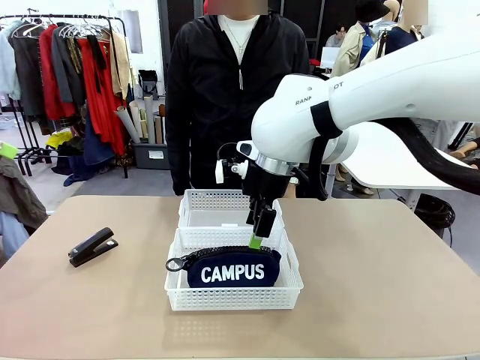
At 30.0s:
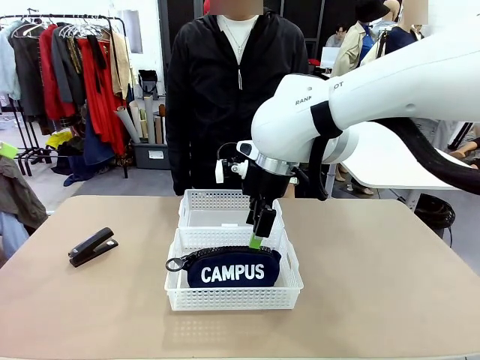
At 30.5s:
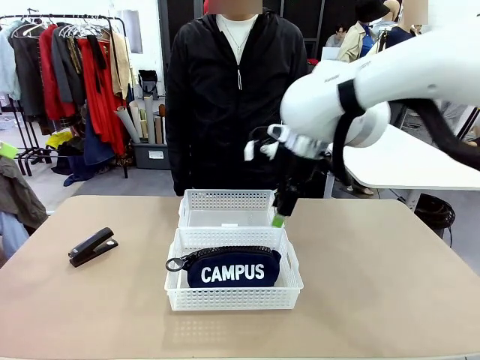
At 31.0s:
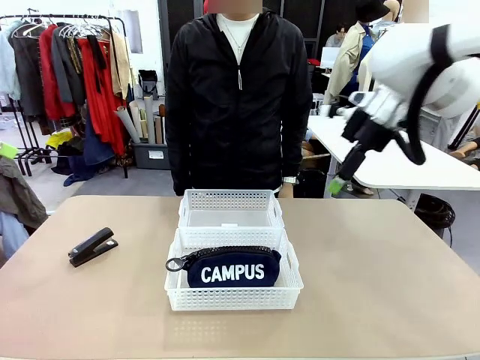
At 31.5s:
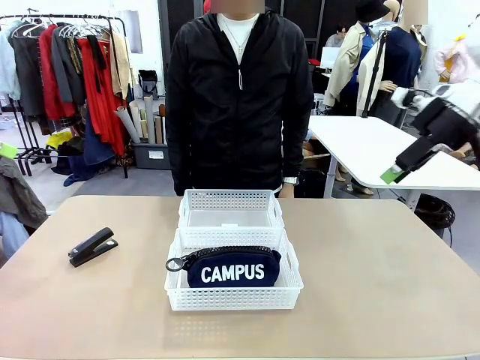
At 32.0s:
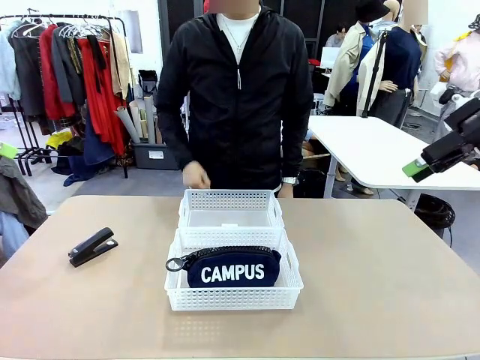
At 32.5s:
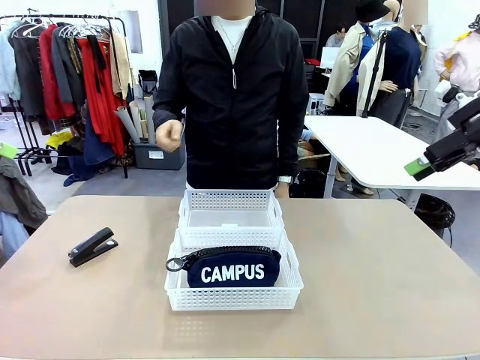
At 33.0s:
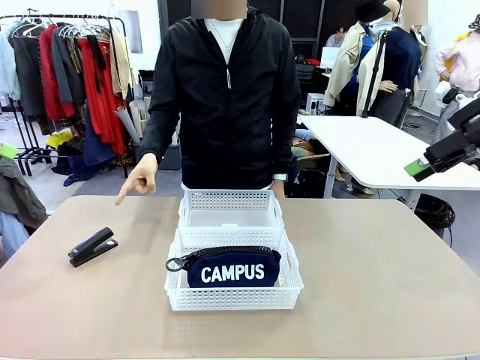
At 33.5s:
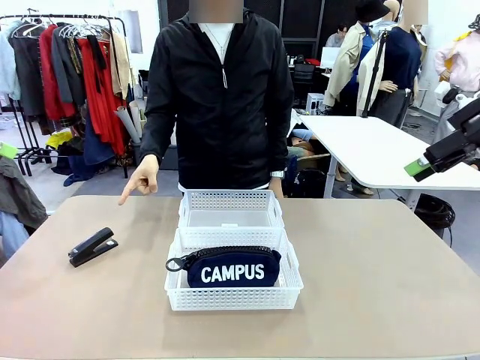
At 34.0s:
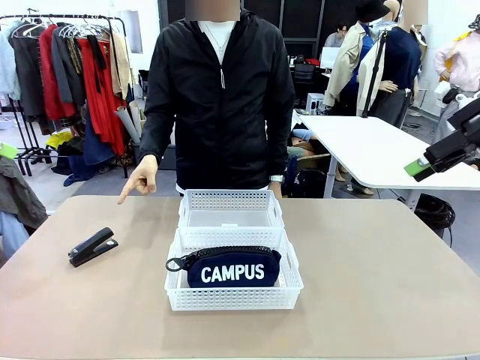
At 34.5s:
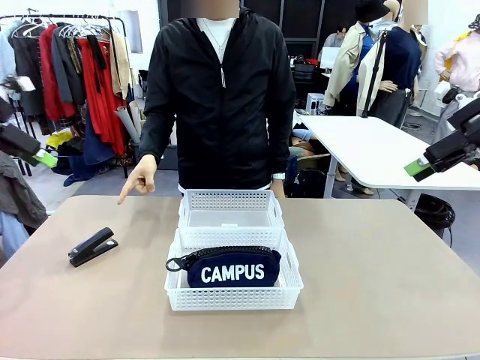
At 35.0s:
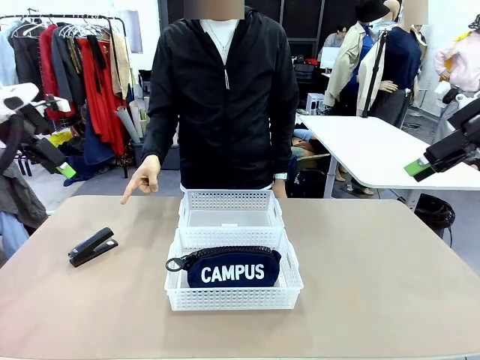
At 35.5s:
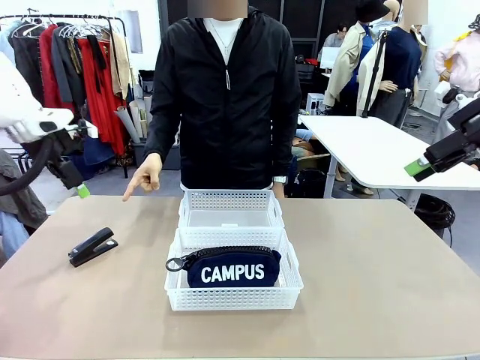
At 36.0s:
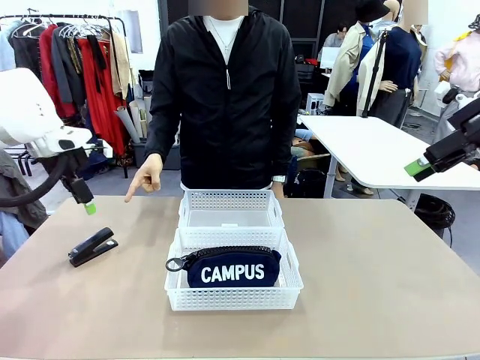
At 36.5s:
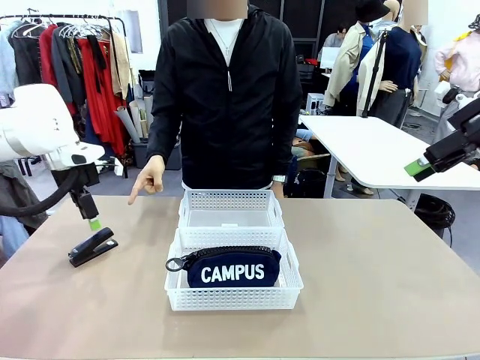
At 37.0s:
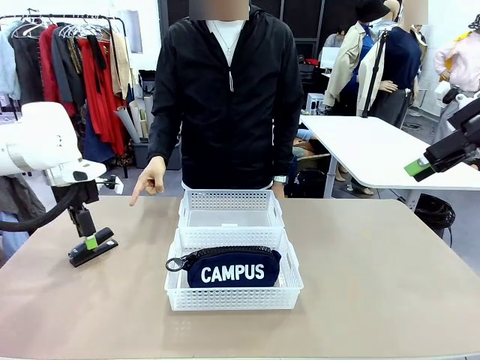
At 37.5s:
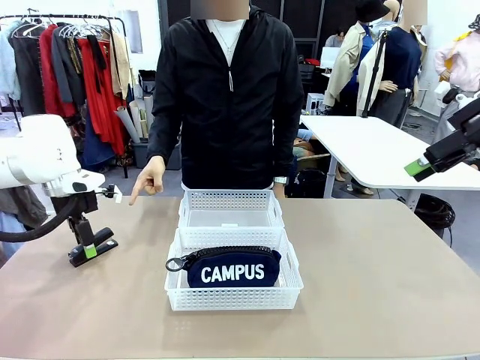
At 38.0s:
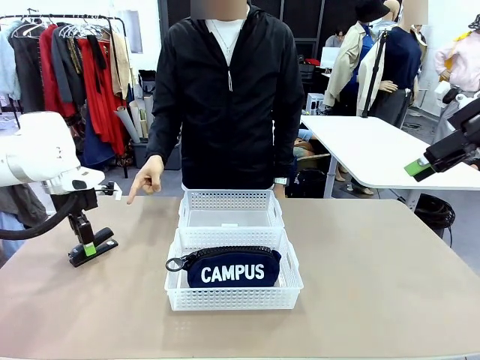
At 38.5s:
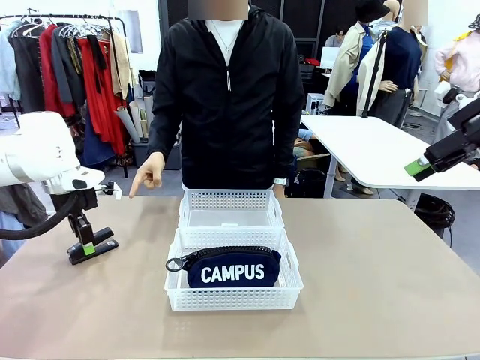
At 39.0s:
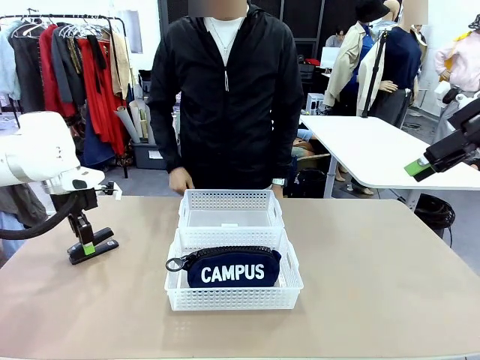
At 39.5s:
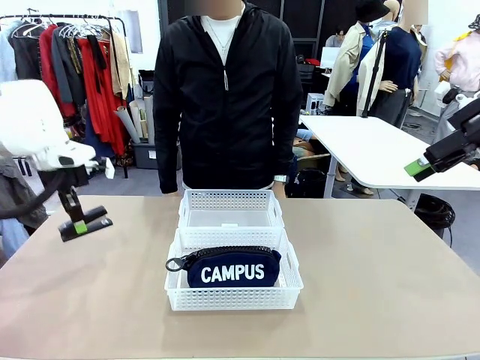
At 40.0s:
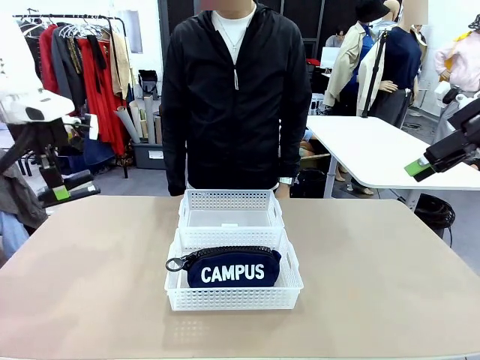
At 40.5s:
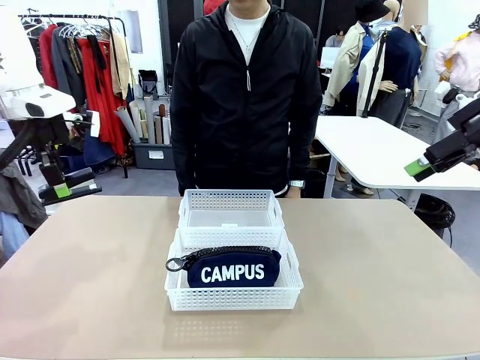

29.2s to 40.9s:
Task: Distribute items into two baskets.
Robot: Pick up the Stapler that the person points to.

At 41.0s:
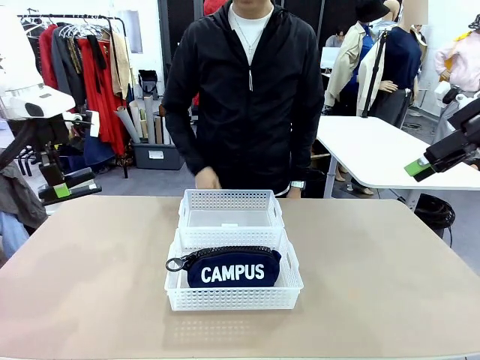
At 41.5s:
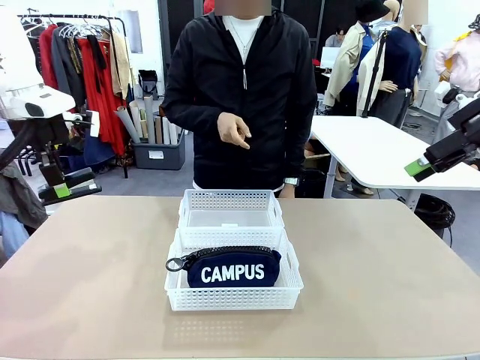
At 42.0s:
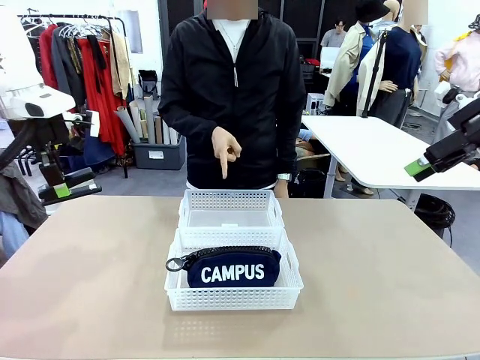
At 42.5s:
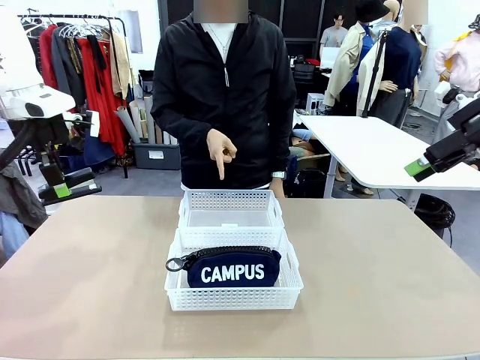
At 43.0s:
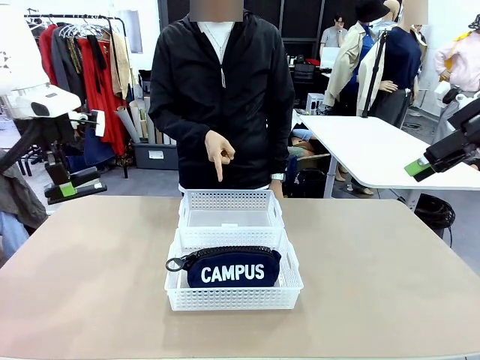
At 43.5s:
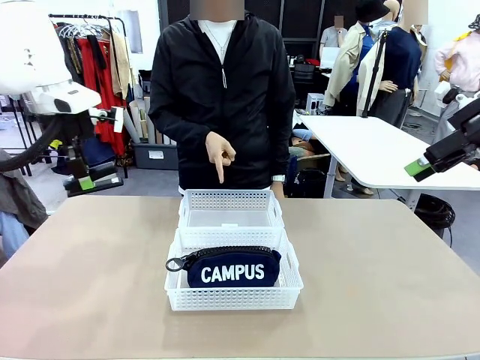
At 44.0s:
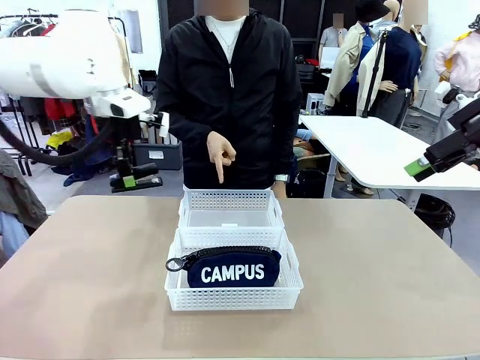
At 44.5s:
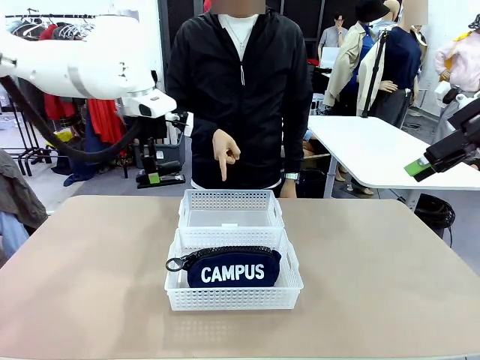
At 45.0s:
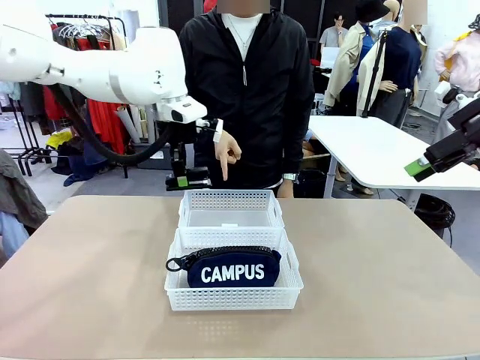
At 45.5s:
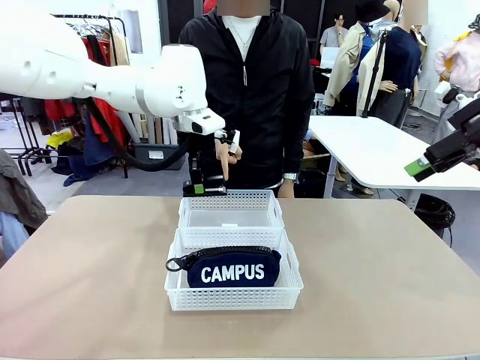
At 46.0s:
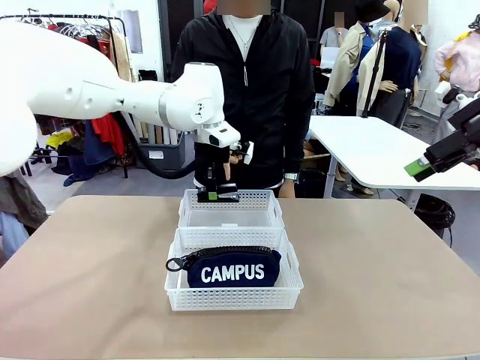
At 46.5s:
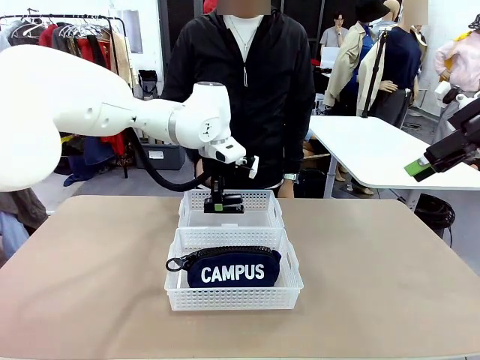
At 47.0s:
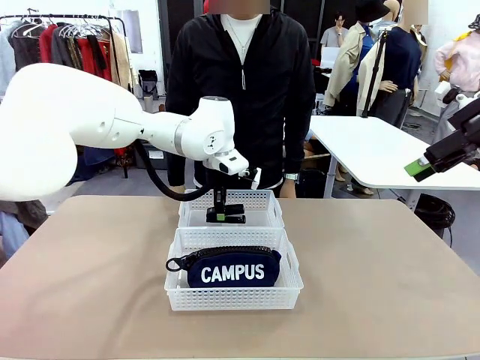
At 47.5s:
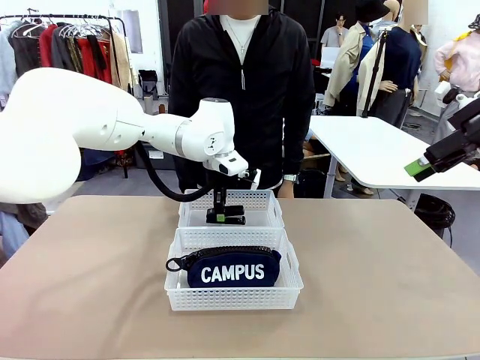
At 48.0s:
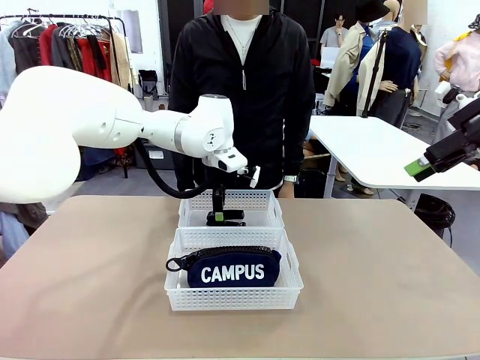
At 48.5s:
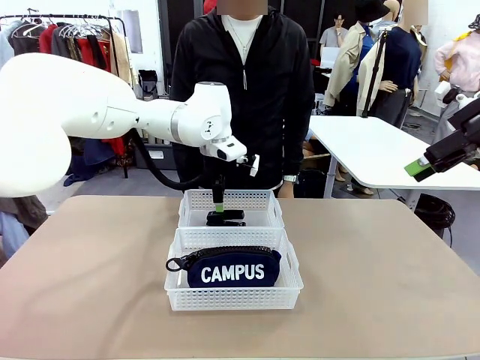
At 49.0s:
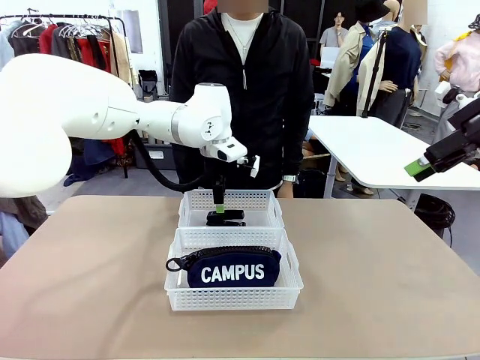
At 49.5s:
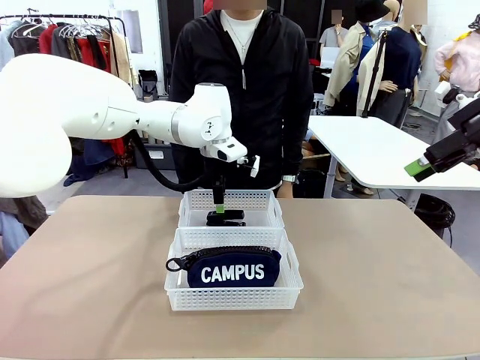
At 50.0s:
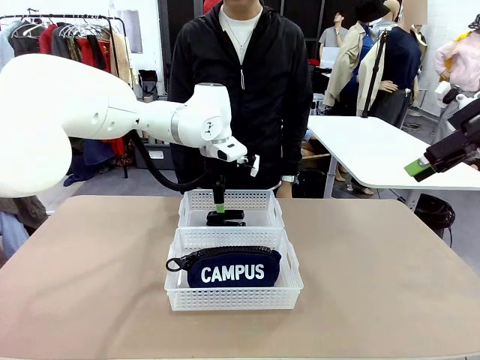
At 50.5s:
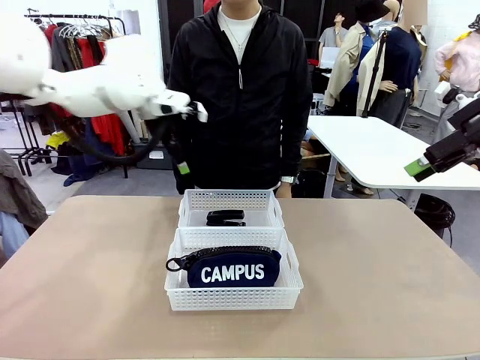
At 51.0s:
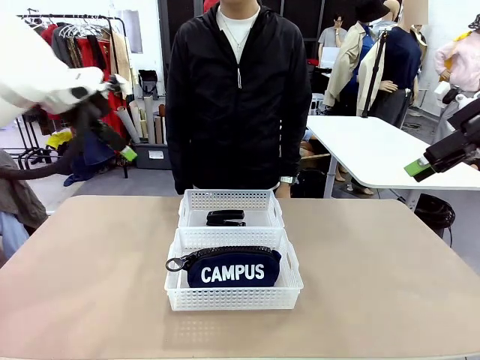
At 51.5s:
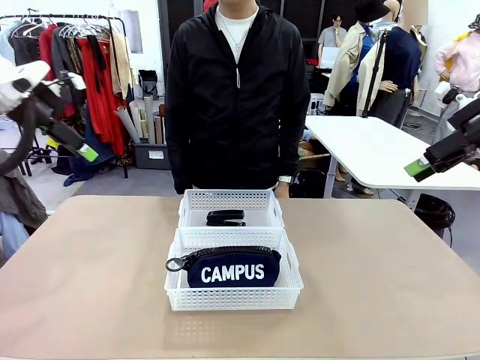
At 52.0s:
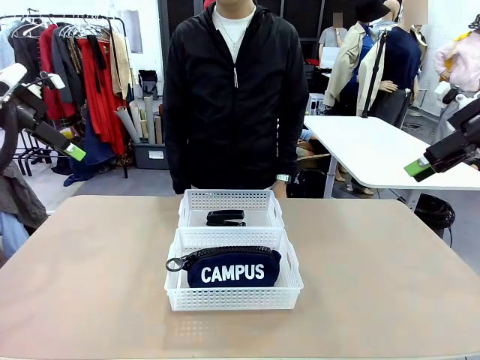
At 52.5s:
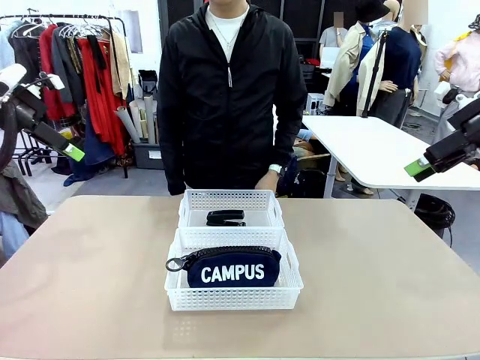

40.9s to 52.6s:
Robot: Place the picked Stapler into the Organizing basket as instructed by the person.
Person: Points to the basket that does not contain the pencil case and instructs the robot to move the stapler there.

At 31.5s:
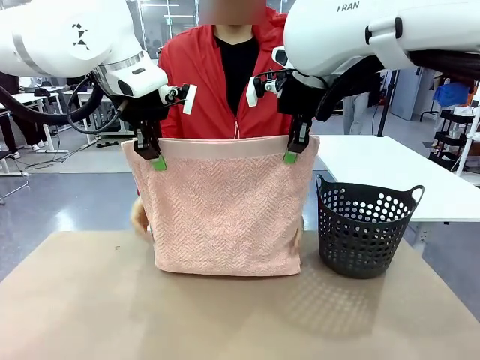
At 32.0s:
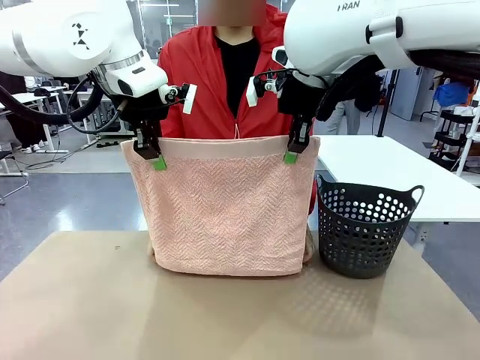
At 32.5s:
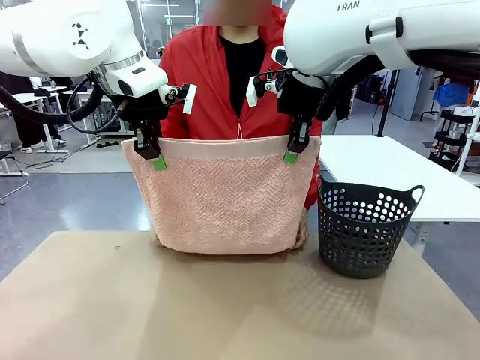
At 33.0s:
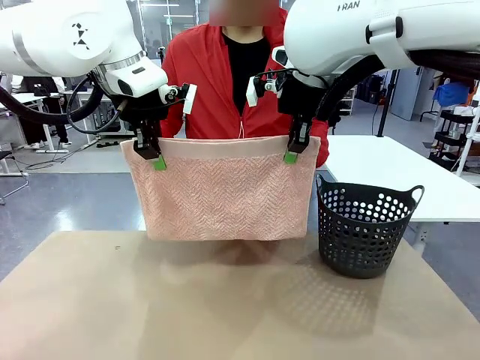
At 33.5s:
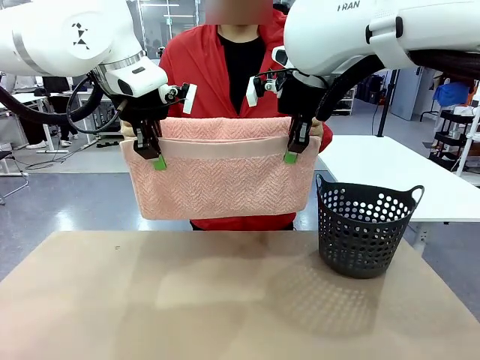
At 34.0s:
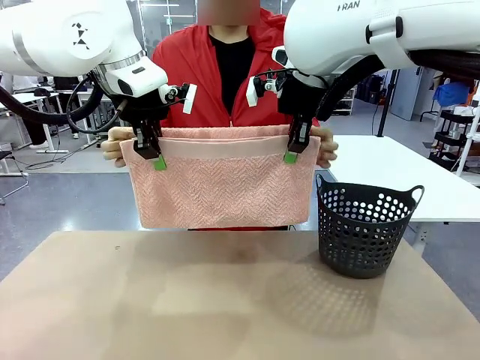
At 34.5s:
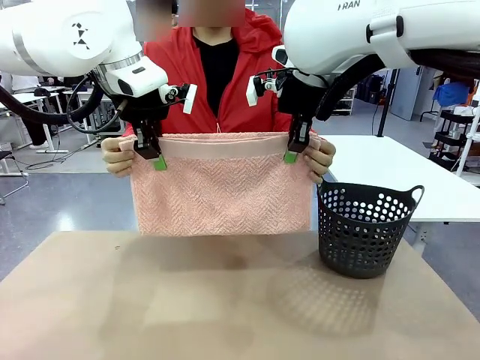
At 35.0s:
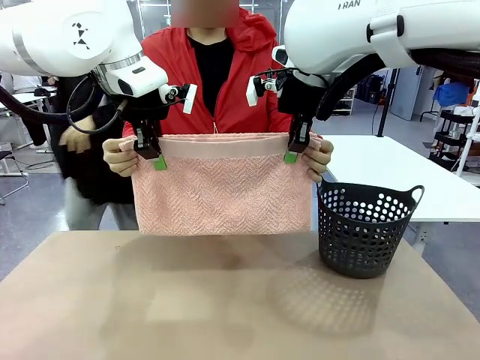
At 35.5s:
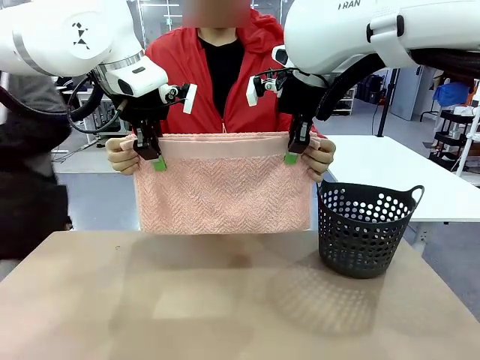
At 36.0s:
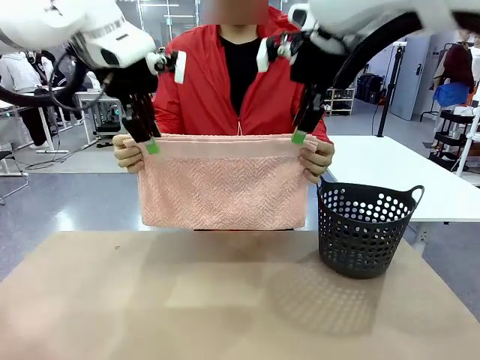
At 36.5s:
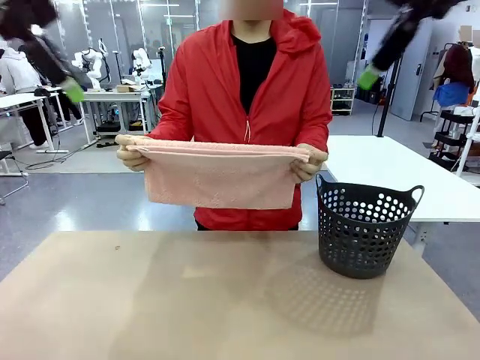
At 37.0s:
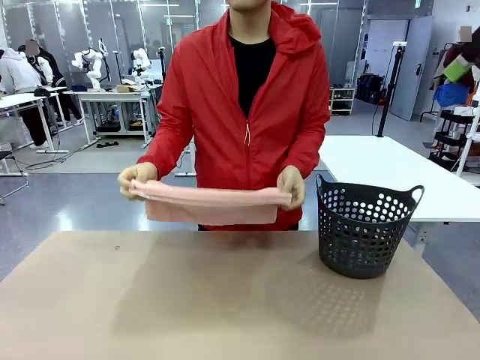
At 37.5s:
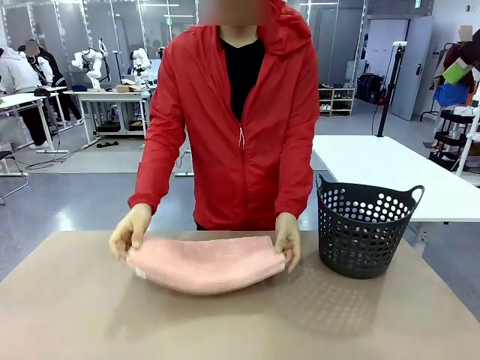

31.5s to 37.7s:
Task: Fold the towel.
Robot: Release the end of the 100 cm Hotel Towel you were holding.
Person: Place the towel at the center of the robot table and fold it in half.
